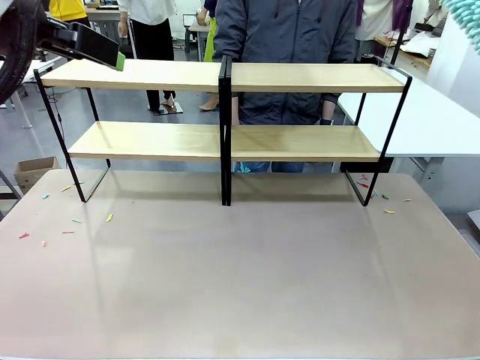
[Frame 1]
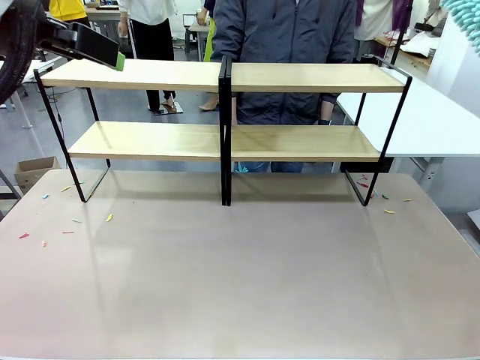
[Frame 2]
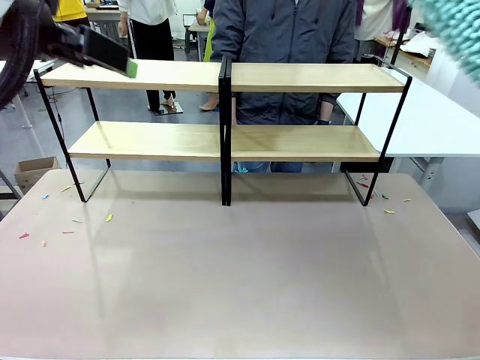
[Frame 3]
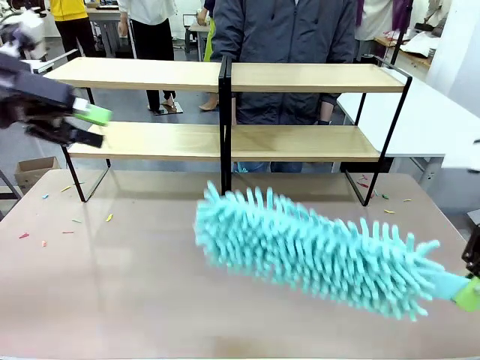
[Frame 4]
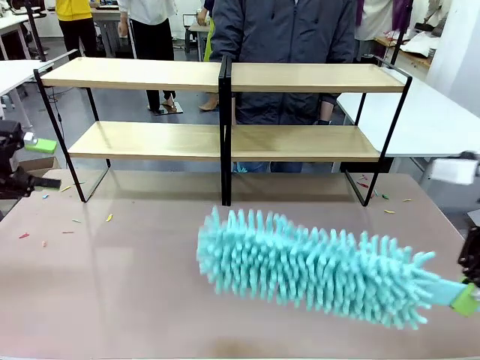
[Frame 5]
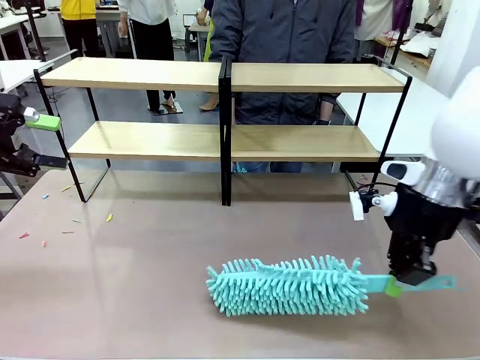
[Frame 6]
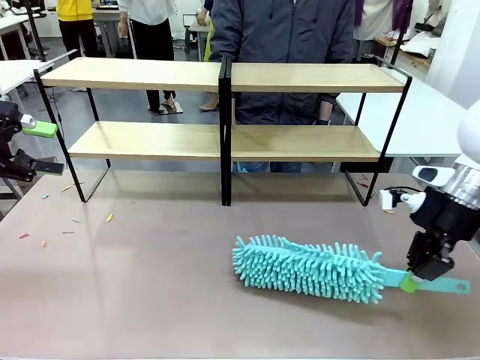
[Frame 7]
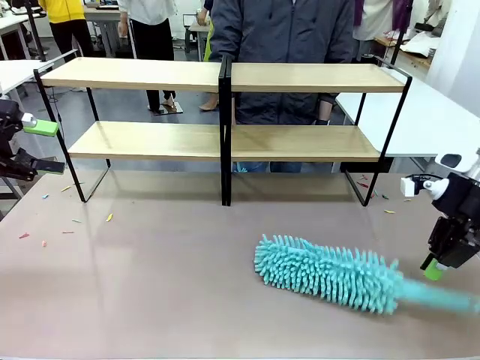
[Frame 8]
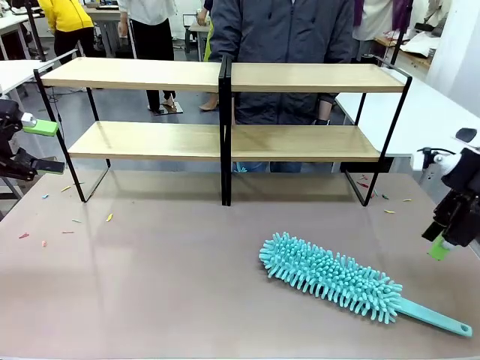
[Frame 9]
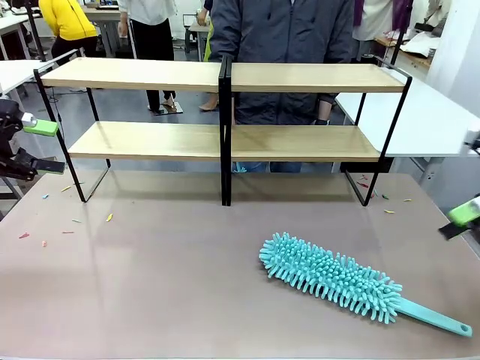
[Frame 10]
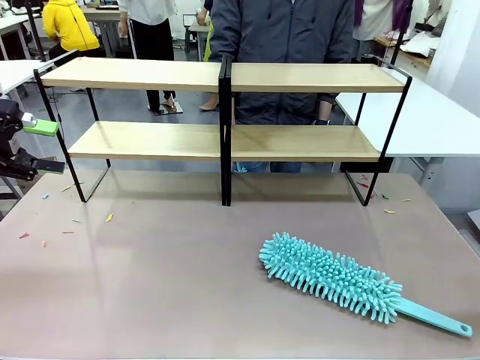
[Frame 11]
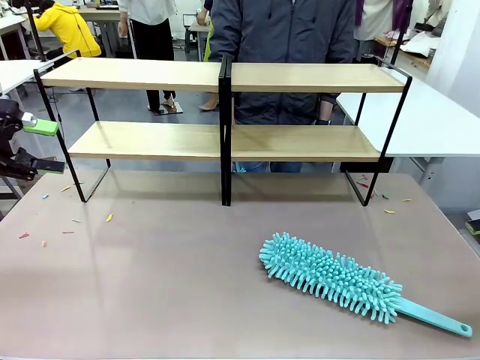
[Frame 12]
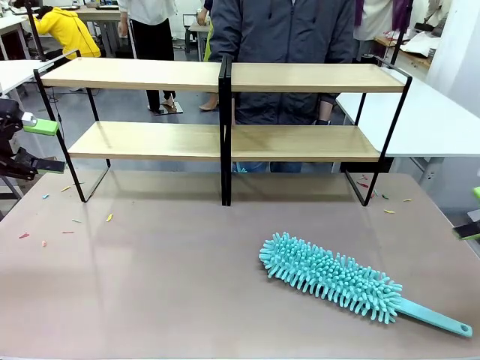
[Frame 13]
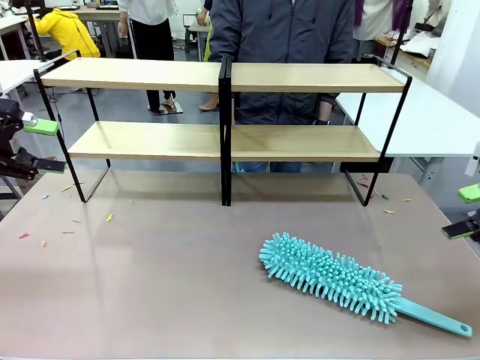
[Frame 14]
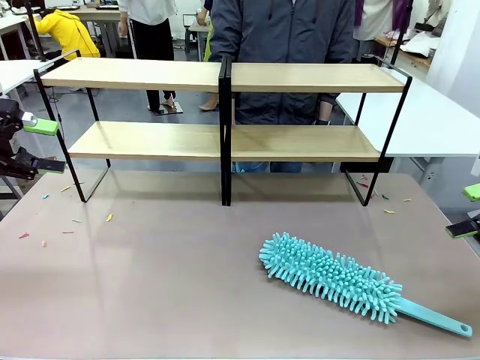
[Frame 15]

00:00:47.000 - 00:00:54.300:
Task: Clean the shelves.
Robot: Place the Duster on the table.

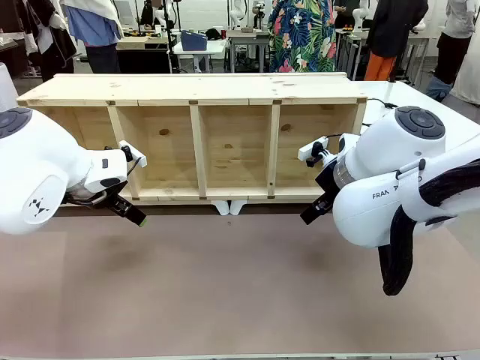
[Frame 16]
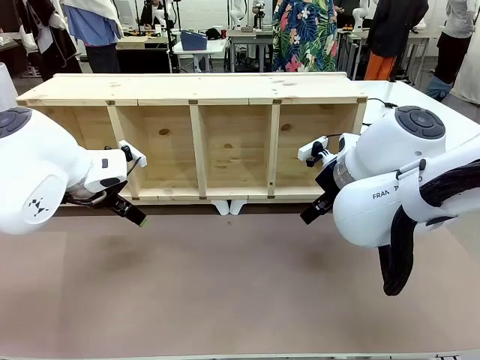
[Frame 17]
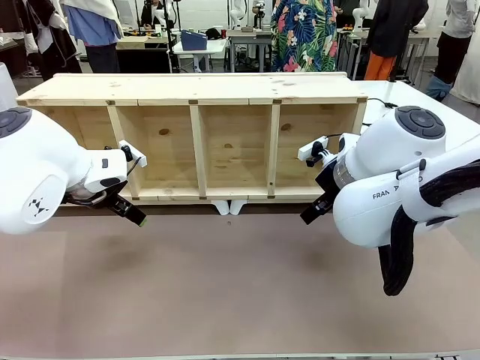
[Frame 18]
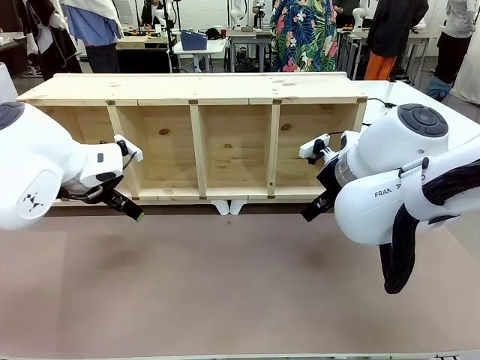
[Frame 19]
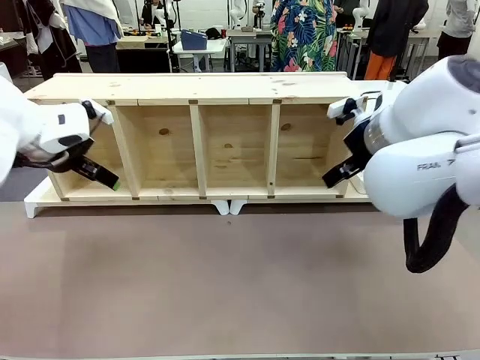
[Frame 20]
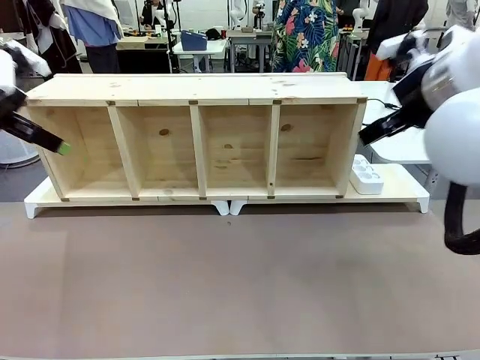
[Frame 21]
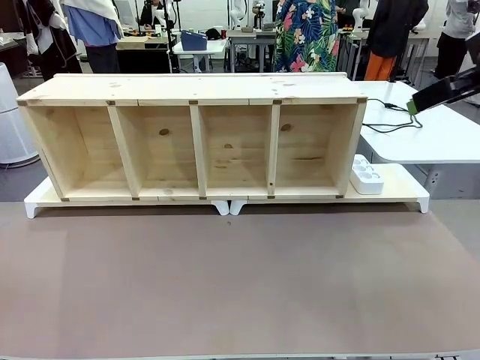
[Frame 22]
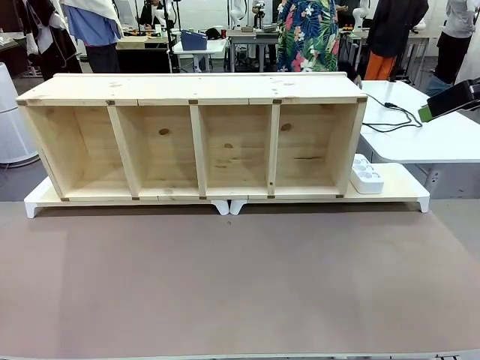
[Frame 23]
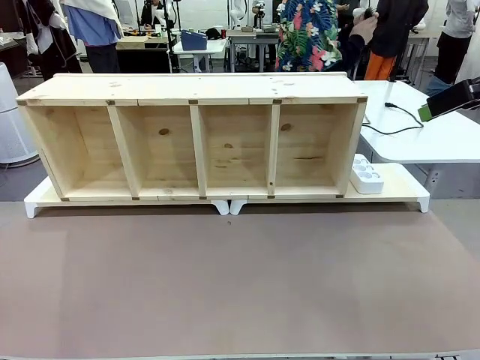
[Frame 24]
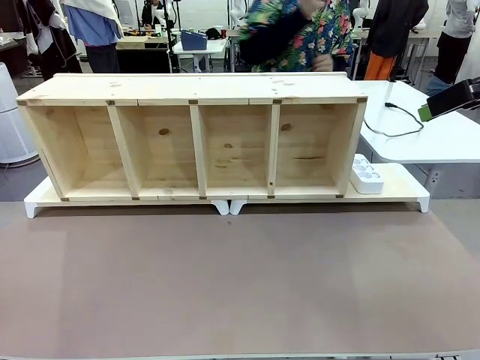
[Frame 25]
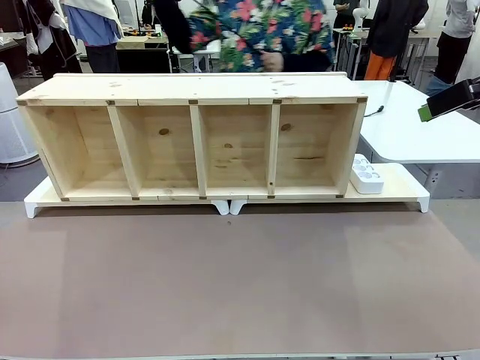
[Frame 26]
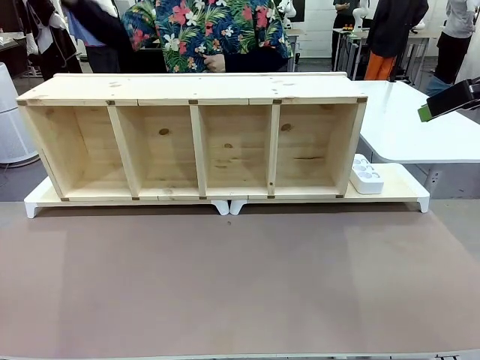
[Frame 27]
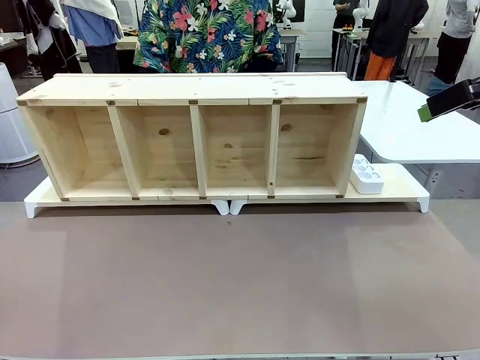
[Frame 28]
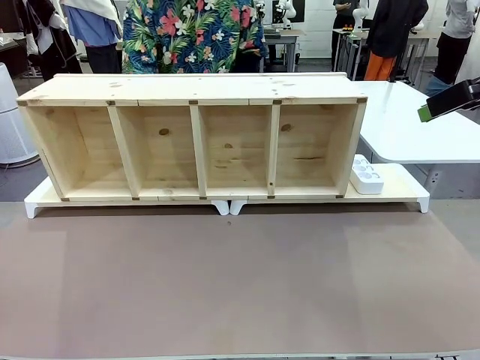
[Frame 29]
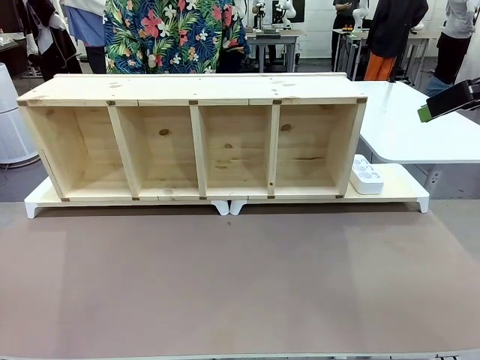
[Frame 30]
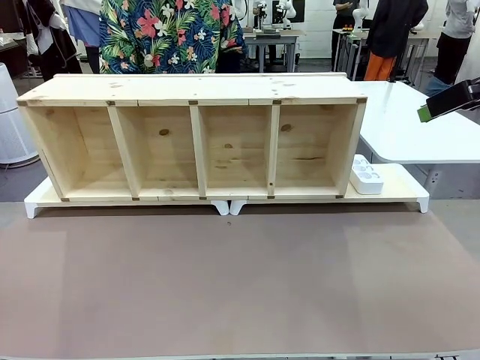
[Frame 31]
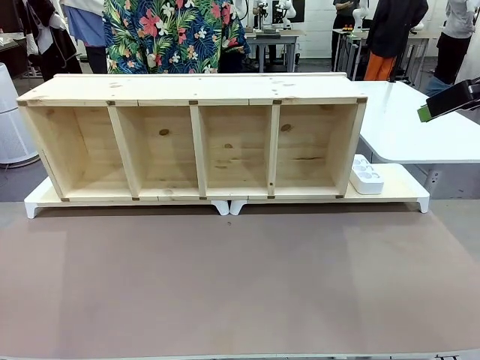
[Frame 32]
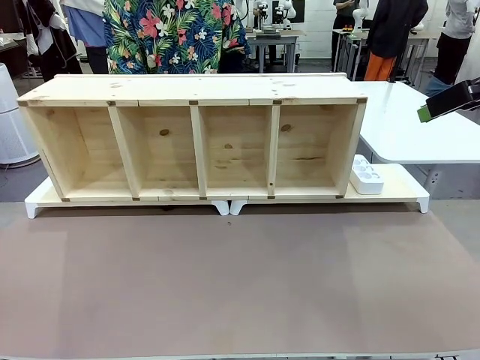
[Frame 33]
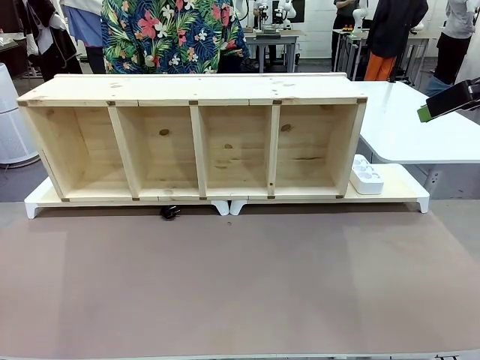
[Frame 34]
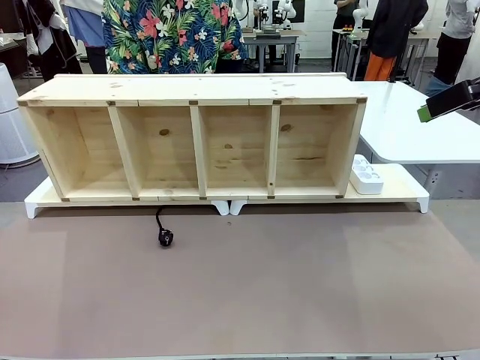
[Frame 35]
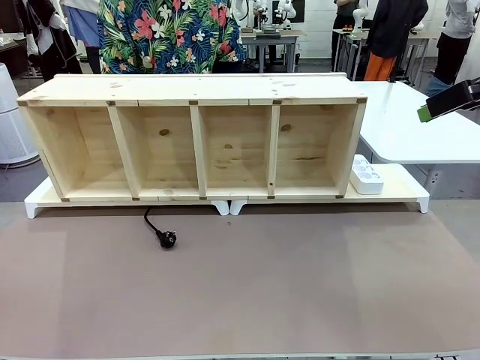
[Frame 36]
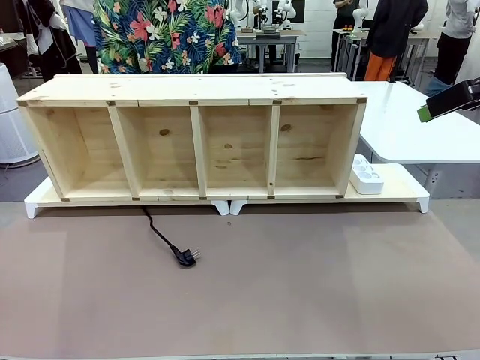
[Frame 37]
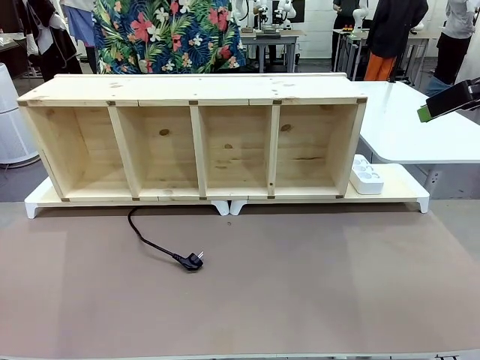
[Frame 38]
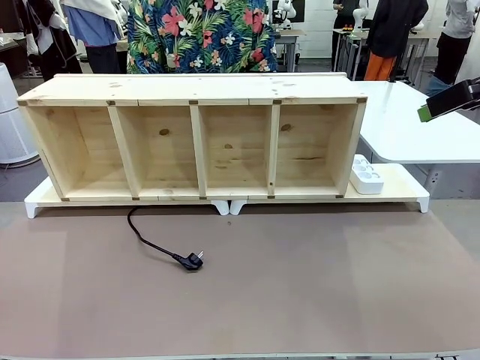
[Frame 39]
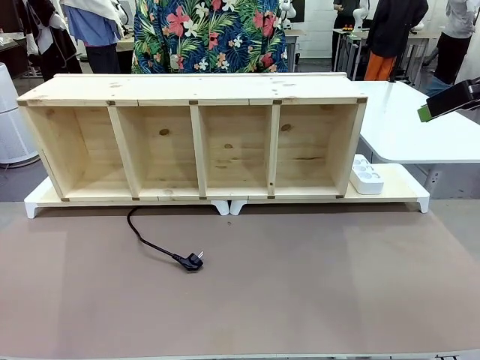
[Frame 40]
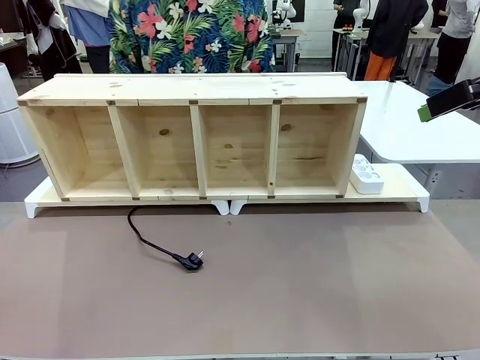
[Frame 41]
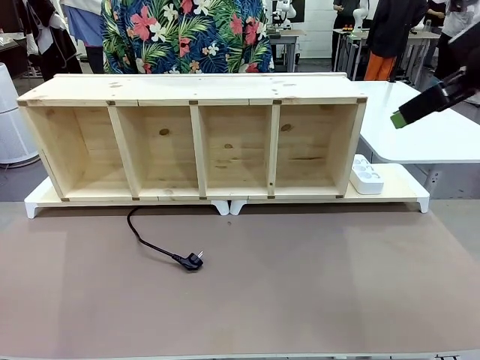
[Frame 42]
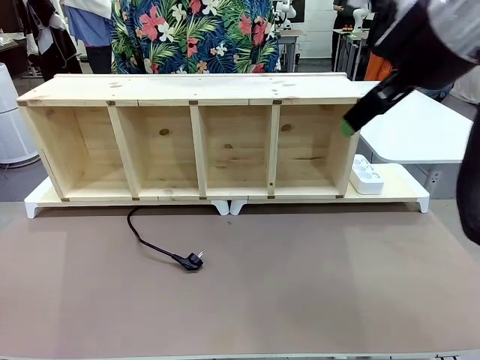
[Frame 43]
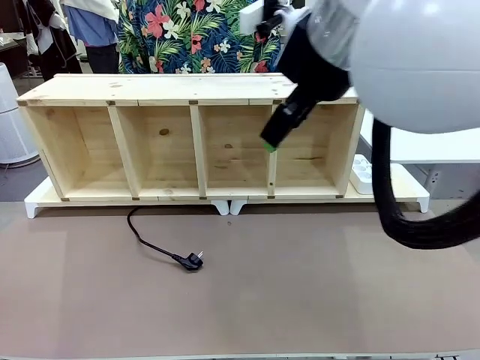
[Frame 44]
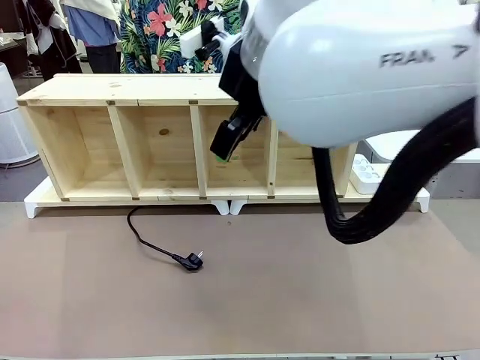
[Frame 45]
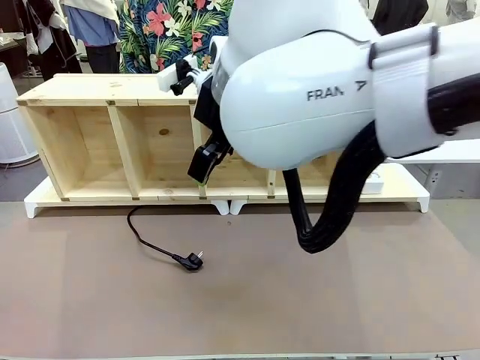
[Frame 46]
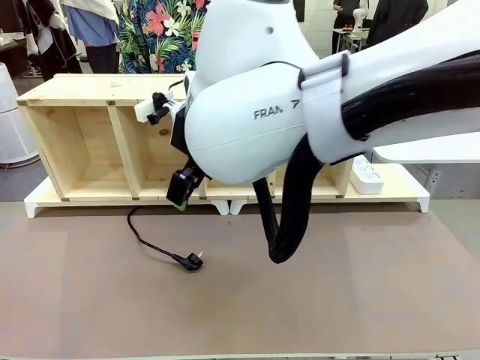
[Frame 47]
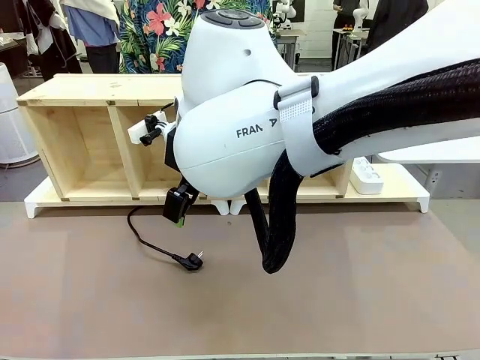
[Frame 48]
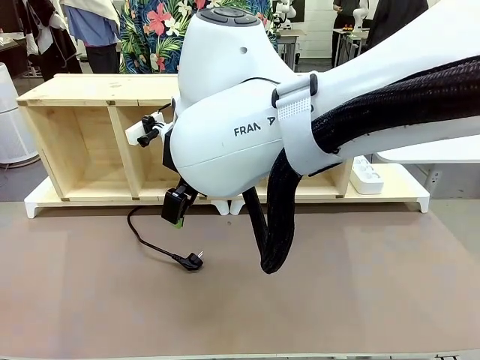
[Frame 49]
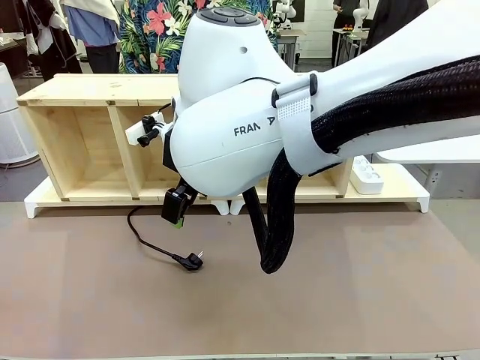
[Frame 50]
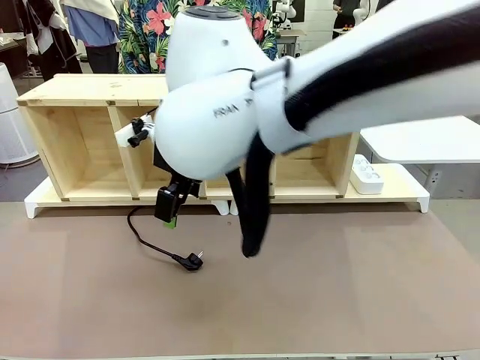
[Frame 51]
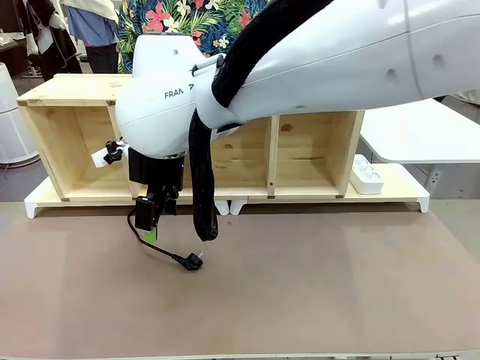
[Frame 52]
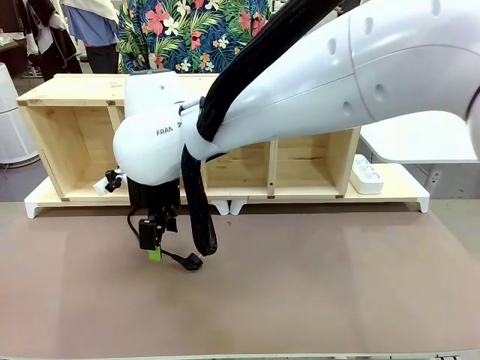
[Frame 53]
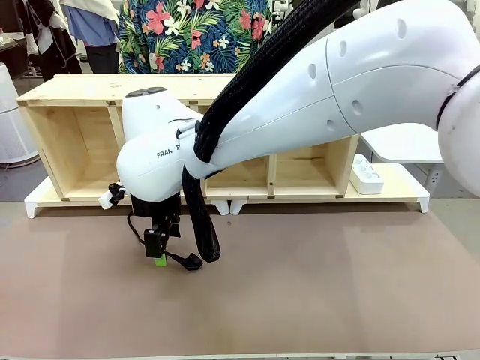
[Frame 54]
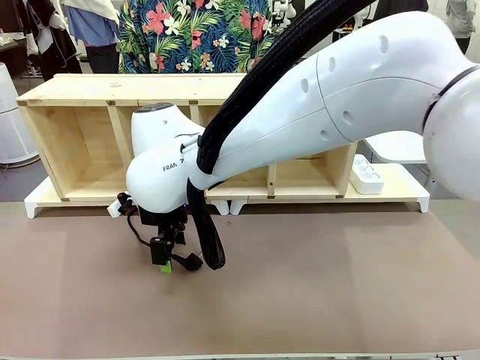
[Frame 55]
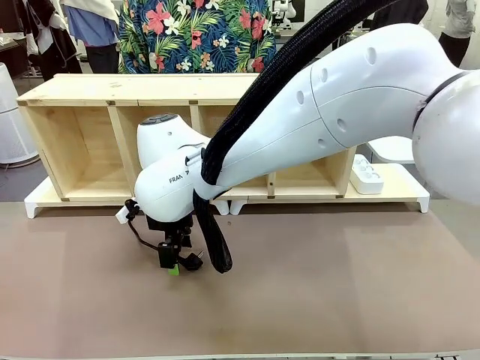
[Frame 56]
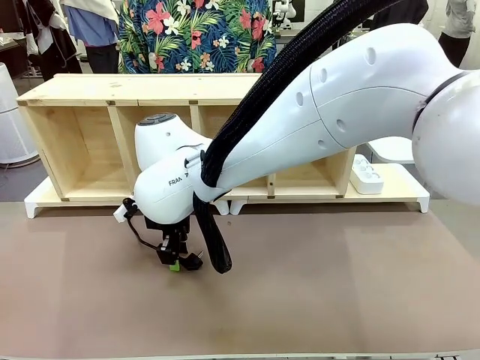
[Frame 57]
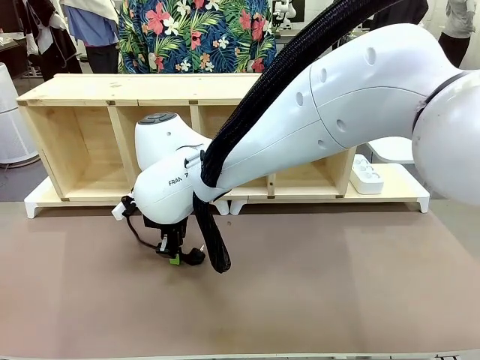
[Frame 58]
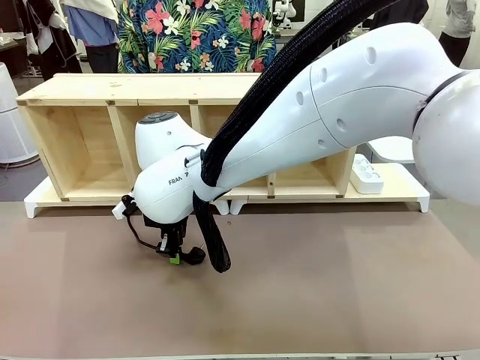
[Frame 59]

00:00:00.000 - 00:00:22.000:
Task: Perform cable management.
Robot: When the cord part of the Power Cable appears at the lower middle area of the table and stops, grasp the cord part of the Power Cable.
Person: Pass the Power Cable under the Serving Table.
